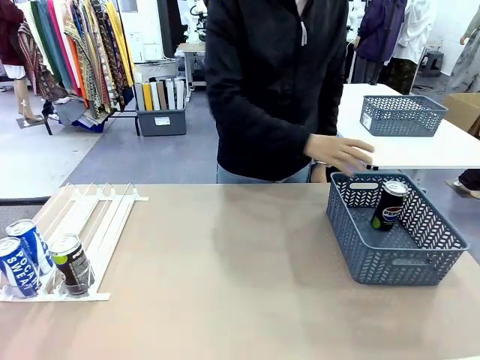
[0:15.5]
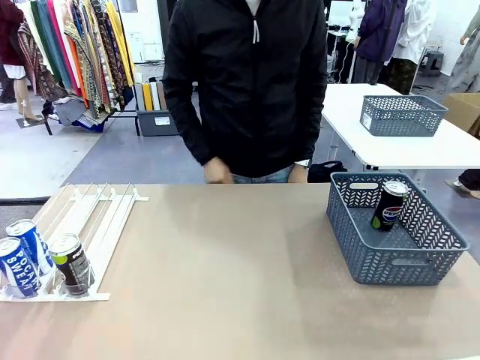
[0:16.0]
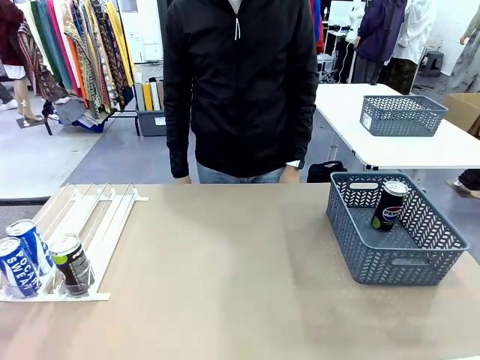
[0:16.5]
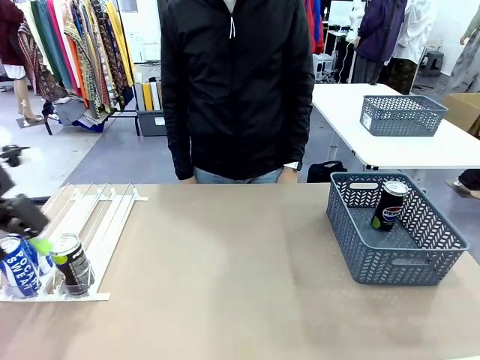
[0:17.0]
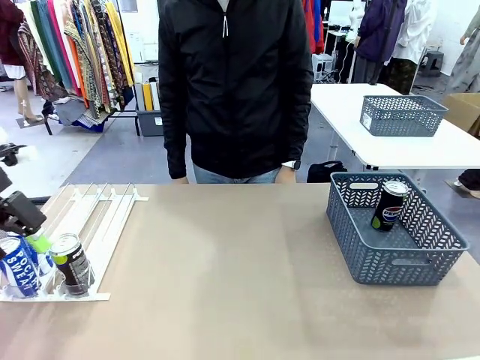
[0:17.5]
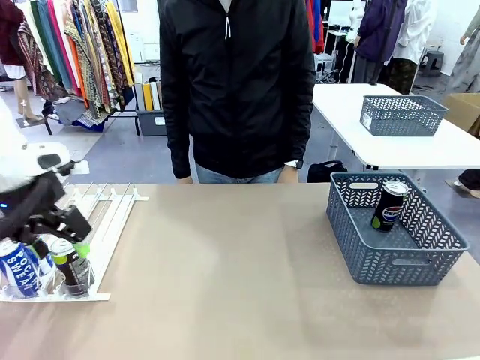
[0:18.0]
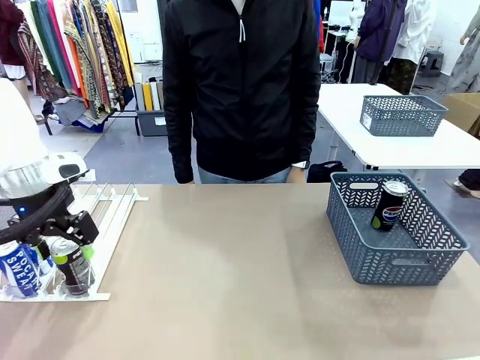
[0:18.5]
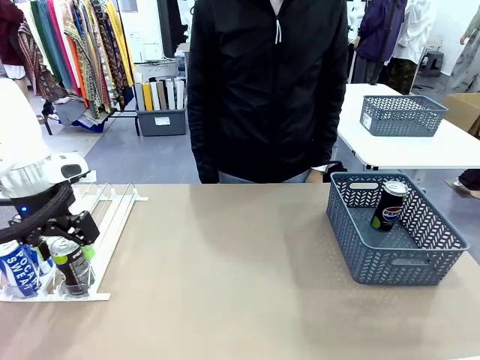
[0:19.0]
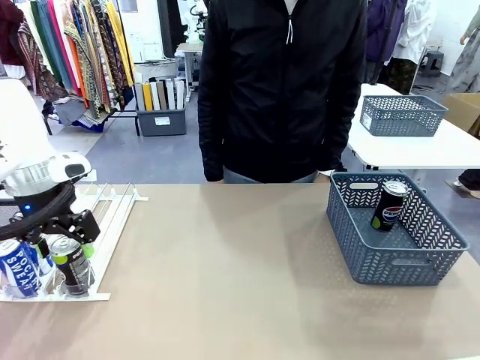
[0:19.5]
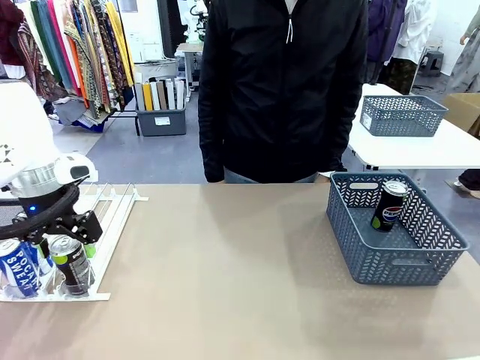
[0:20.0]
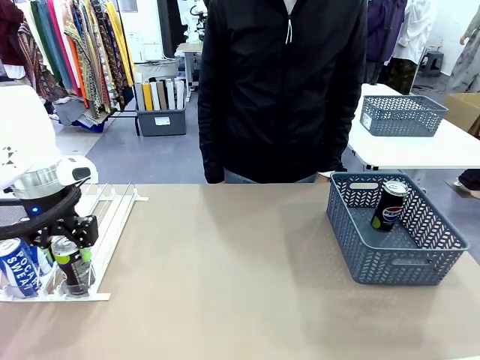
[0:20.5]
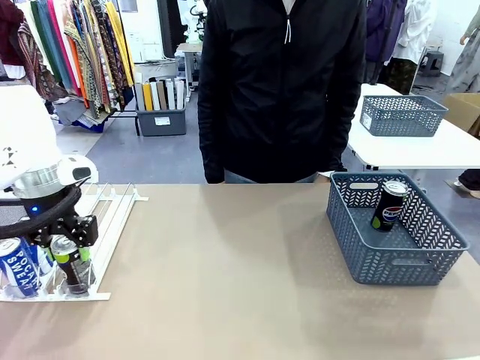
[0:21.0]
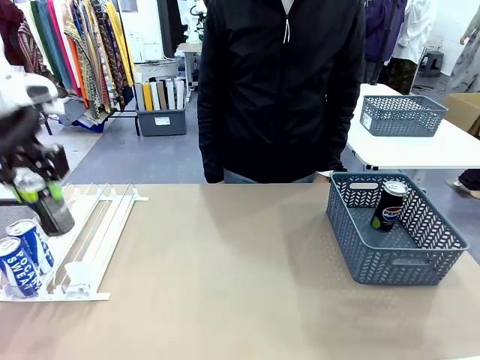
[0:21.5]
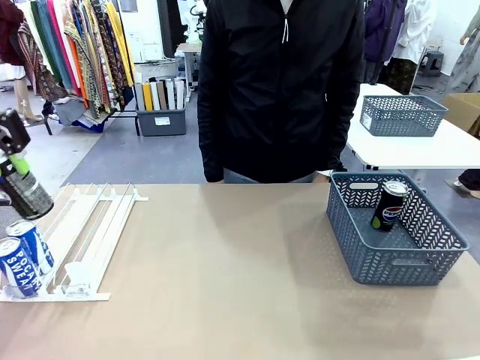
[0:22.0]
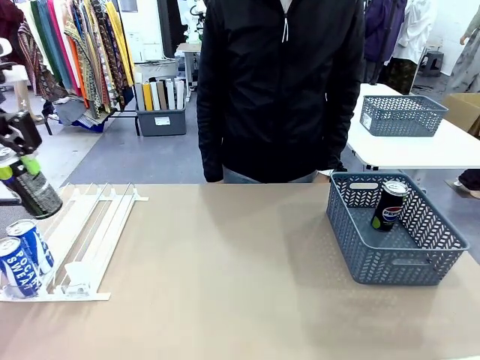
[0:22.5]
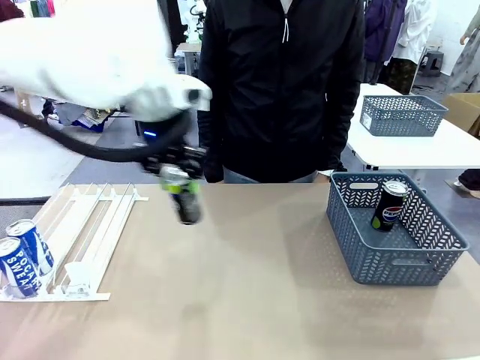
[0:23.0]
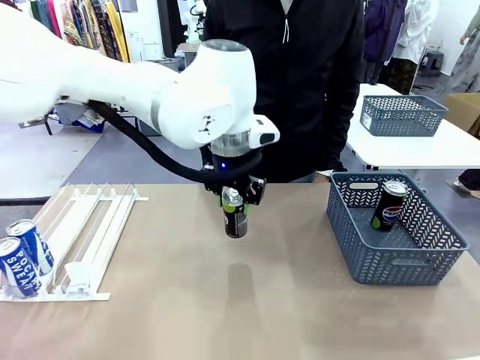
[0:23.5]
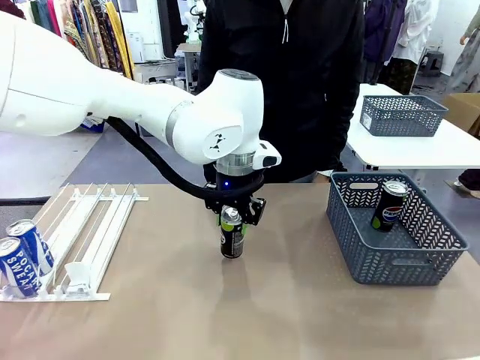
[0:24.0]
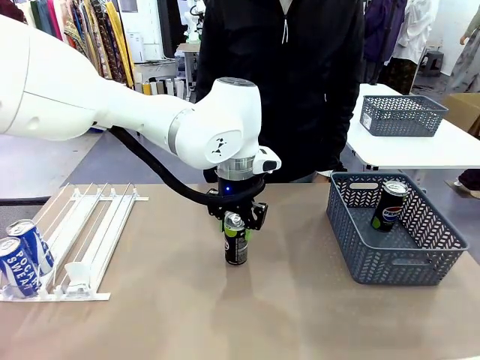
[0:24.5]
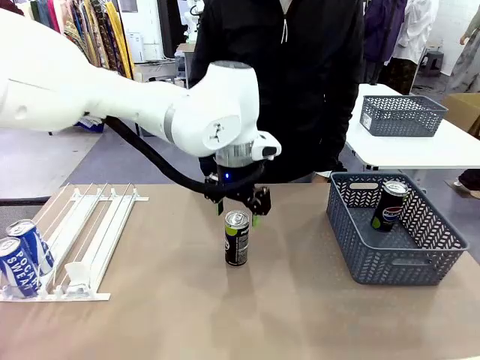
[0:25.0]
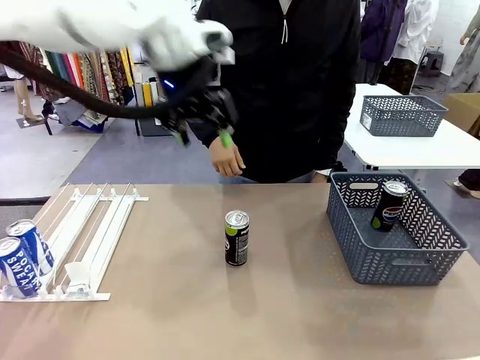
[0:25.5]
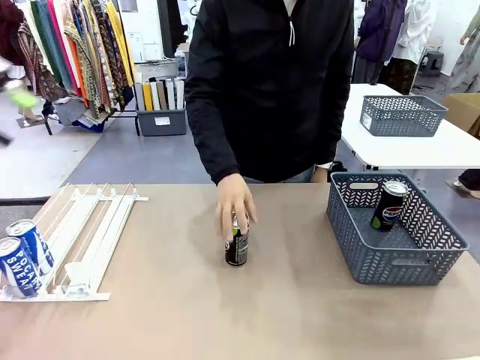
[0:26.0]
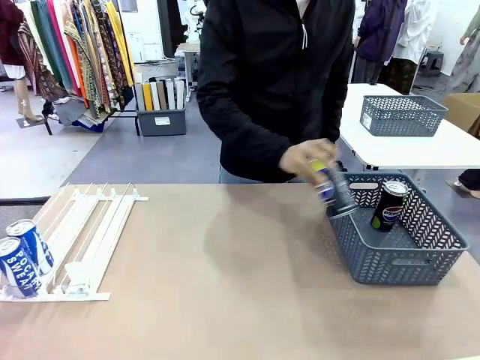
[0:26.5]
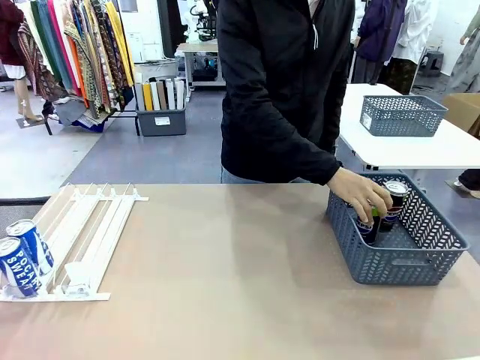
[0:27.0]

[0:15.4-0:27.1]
Task: Retrieve and store the cans from the dispenser.
Robot: Pick up the last remaining can from one row of the Automatic Can Dispenser and place it in the middle of the table.
Person: Pick up one Pepsi can from the middle of the robot table and place it in the basket.

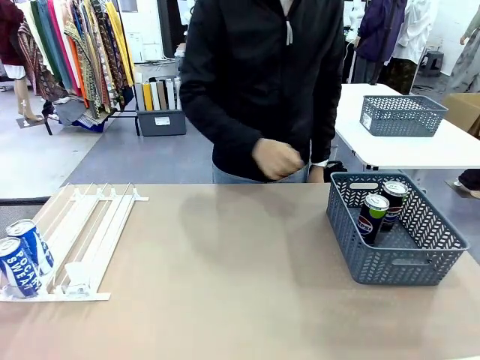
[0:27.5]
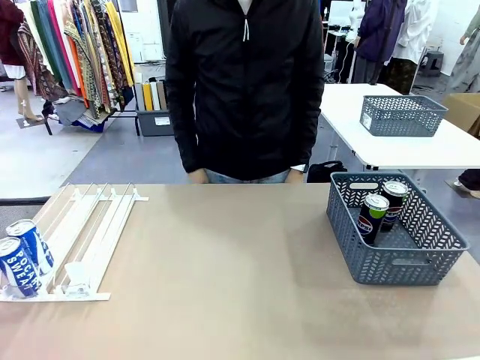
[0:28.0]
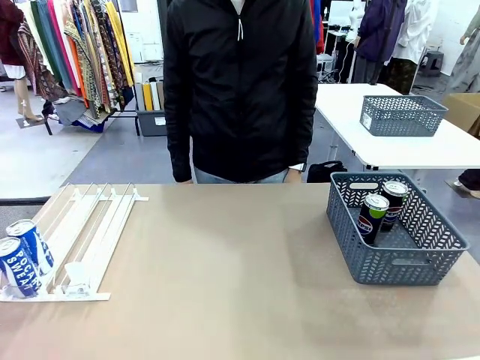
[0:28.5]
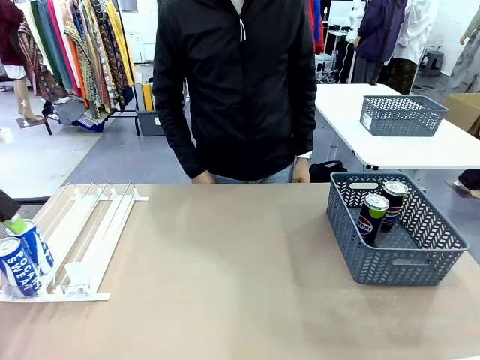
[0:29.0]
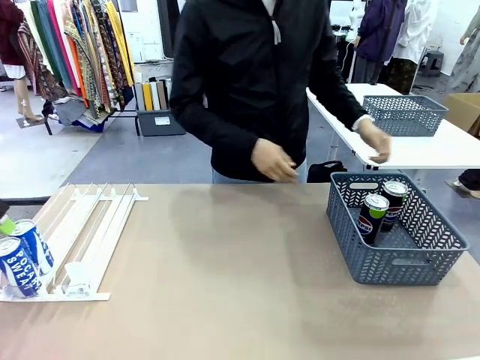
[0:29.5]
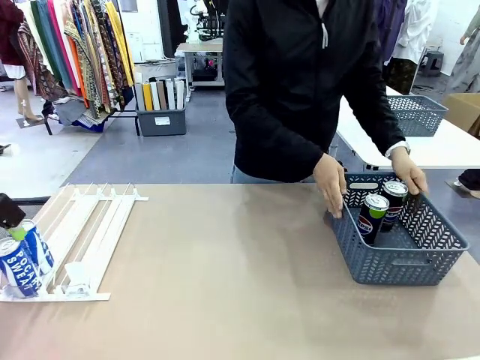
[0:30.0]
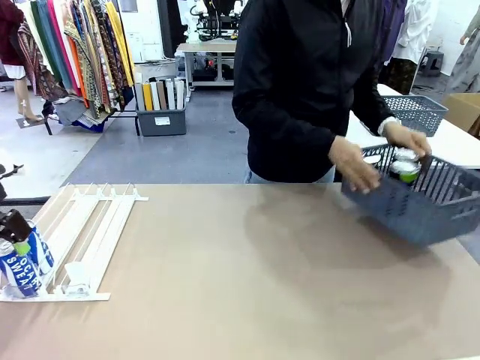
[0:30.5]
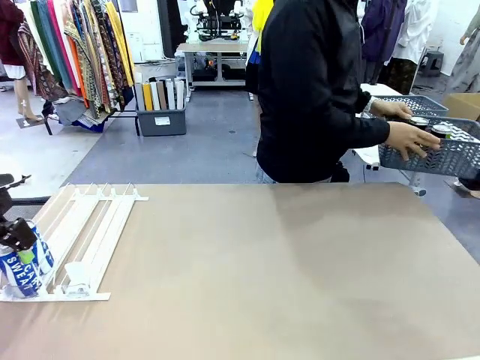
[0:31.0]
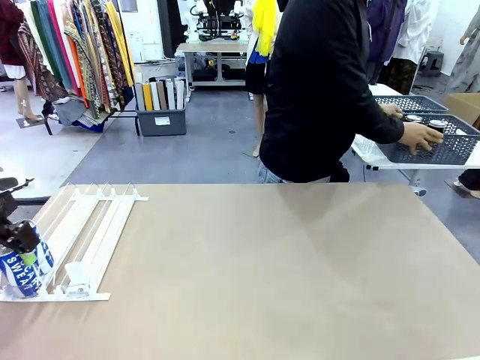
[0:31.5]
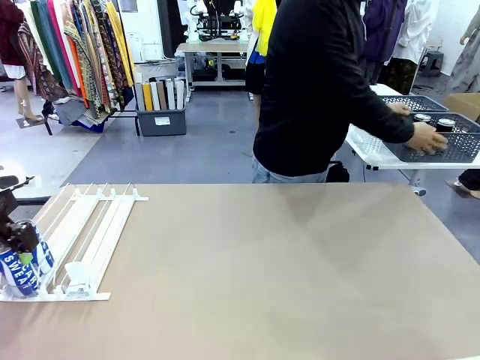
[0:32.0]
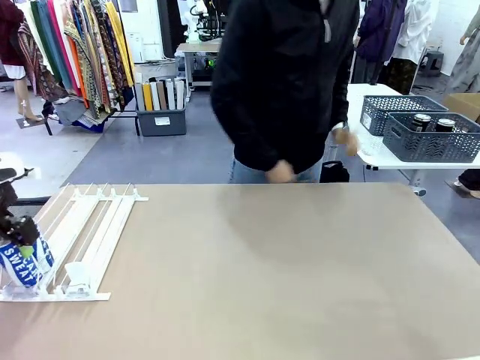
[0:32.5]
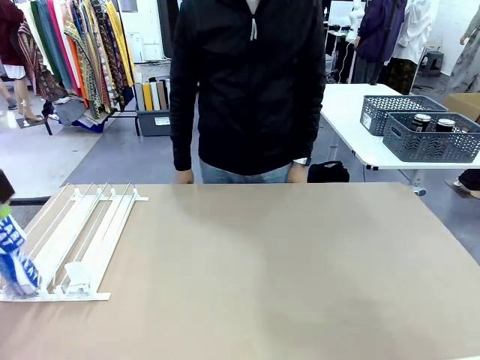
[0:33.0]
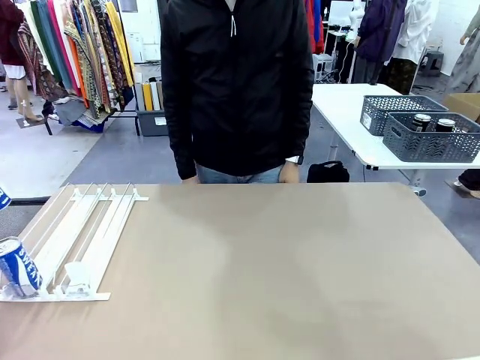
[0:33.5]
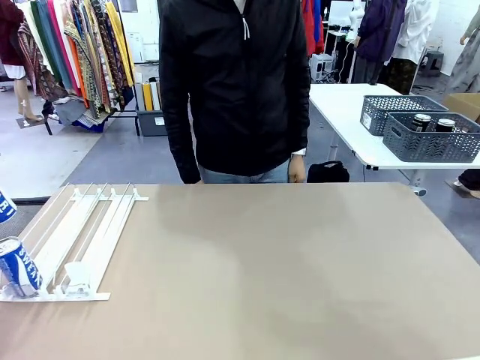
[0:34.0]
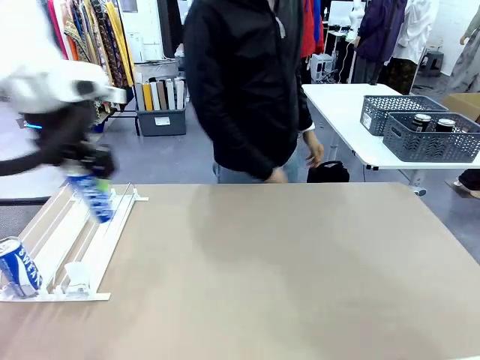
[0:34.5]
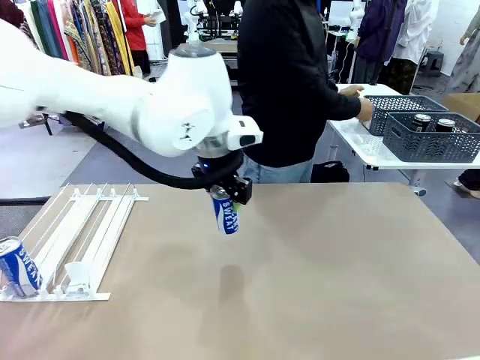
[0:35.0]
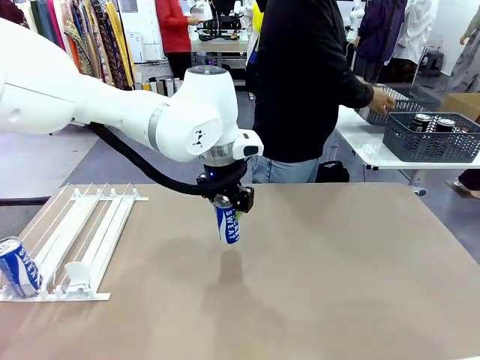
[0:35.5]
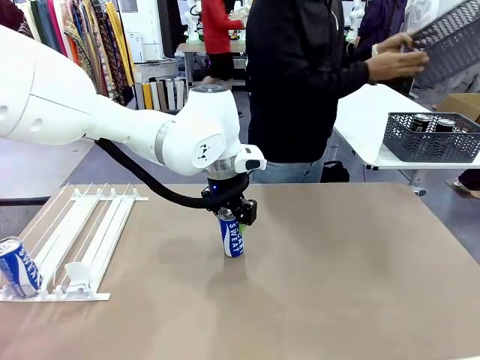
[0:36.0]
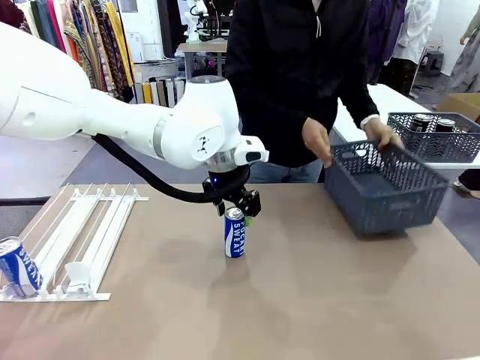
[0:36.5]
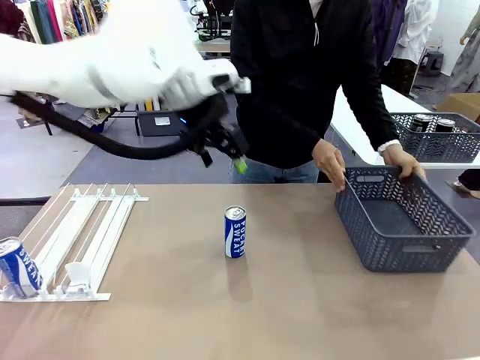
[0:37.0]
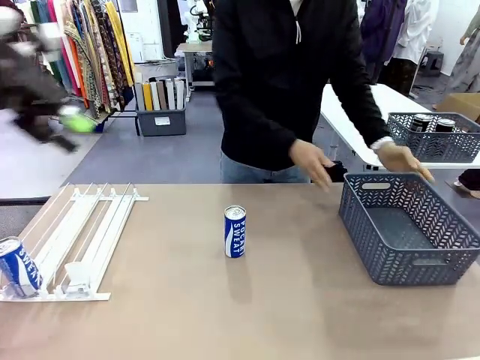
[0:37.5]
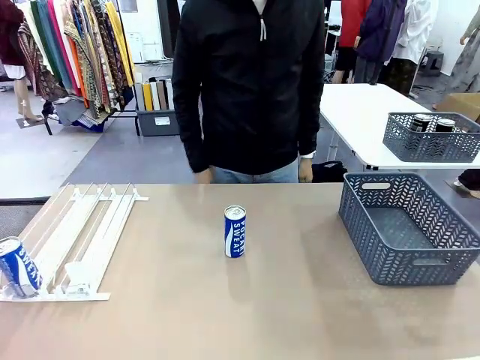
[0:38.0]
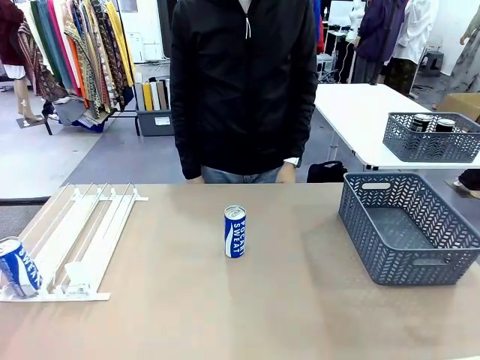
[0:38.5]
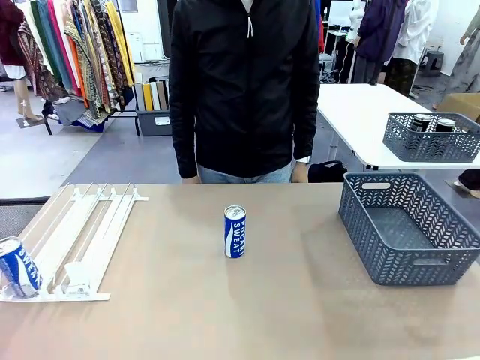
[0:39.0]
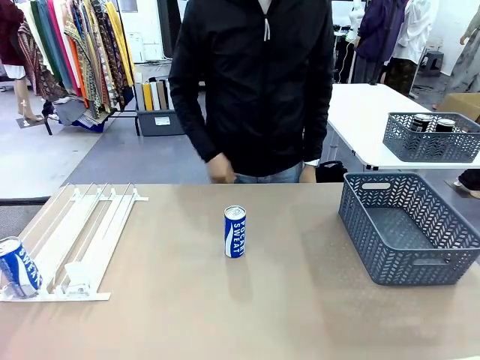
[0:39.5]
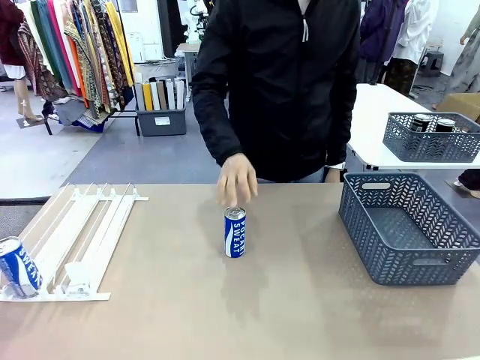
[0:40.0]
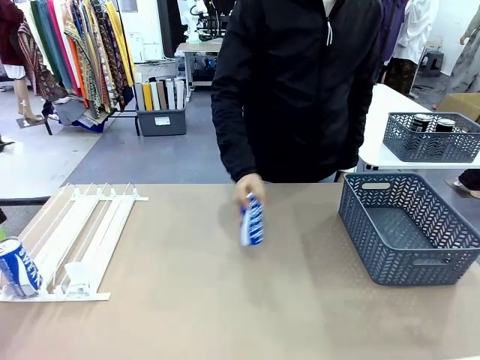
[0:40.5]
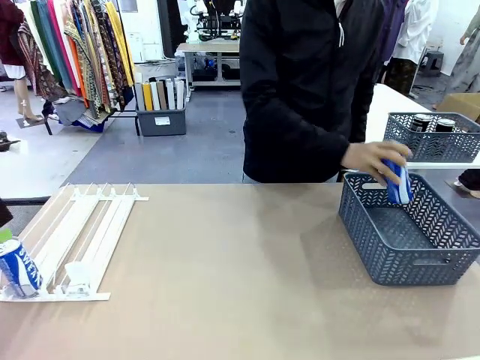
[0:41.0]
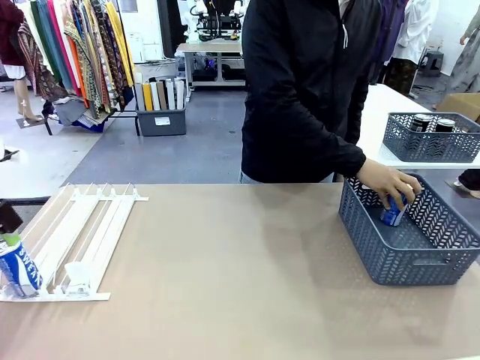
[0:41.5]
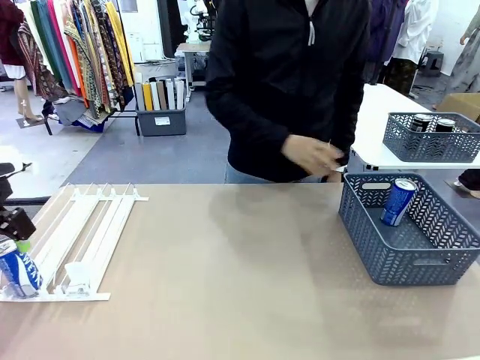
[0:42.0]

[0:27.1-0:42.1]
Robot: Pick up one can from the Automatic Can Dispenser and place it in the middle of the table.
Person: Pick up the basket and place it in the middle of the human table. Pick up the empty basket and place it on the left side of the robot table.
